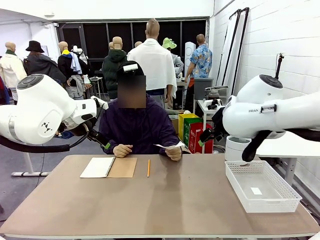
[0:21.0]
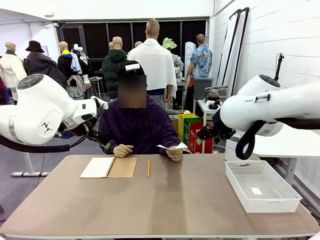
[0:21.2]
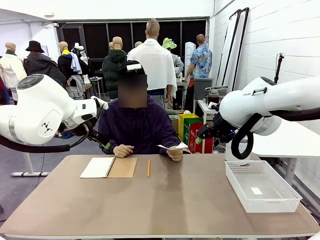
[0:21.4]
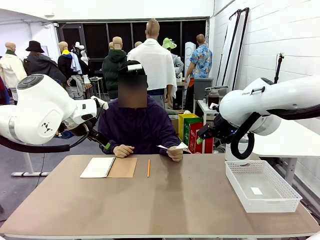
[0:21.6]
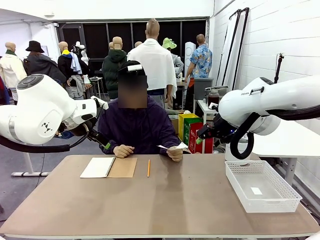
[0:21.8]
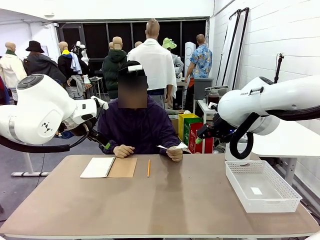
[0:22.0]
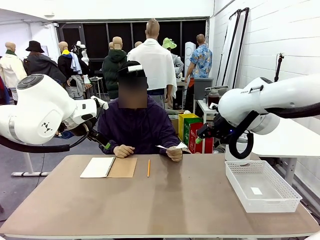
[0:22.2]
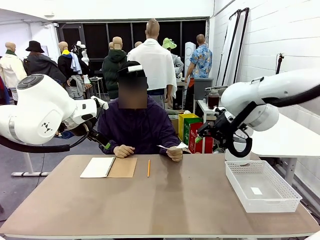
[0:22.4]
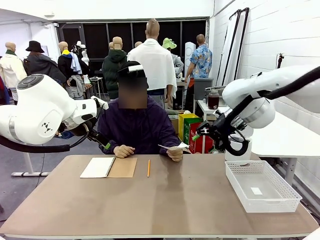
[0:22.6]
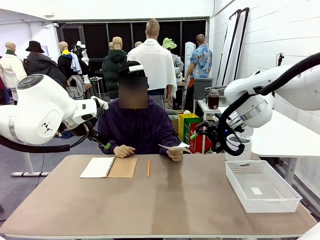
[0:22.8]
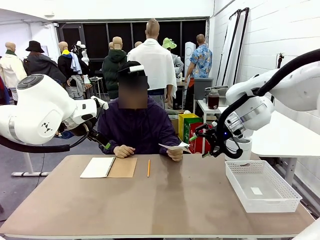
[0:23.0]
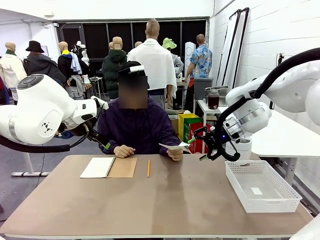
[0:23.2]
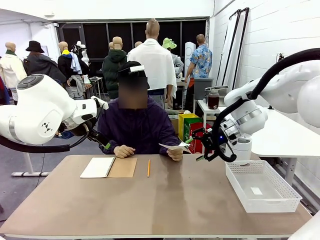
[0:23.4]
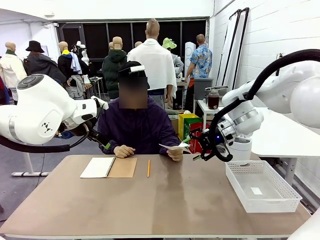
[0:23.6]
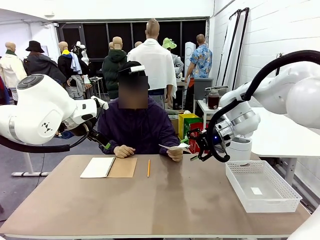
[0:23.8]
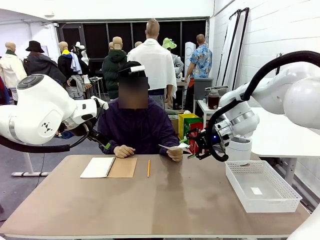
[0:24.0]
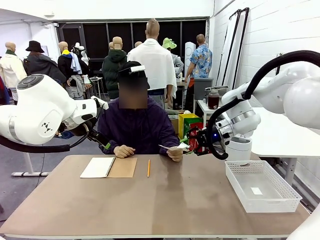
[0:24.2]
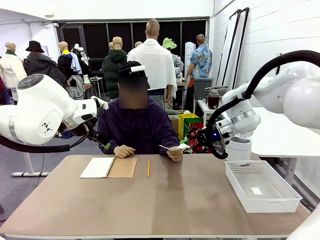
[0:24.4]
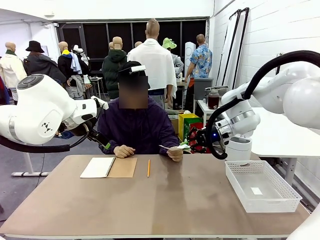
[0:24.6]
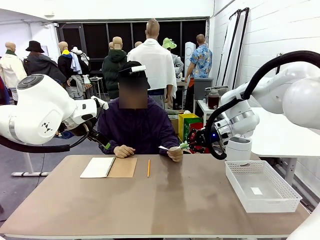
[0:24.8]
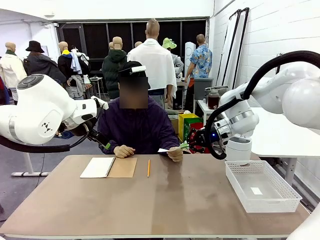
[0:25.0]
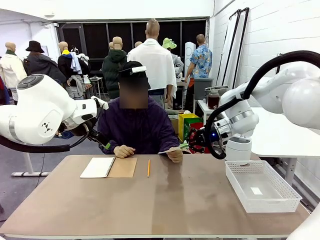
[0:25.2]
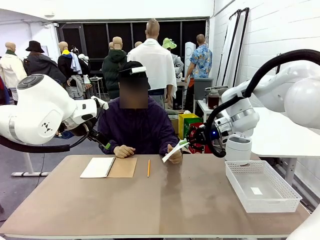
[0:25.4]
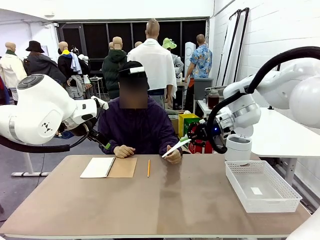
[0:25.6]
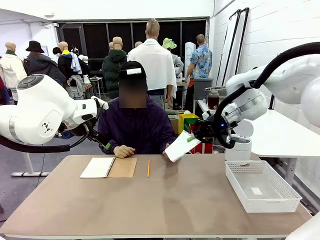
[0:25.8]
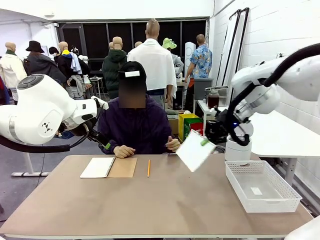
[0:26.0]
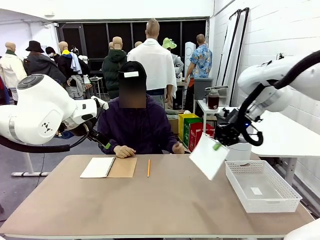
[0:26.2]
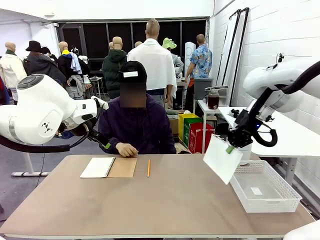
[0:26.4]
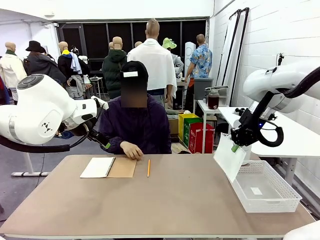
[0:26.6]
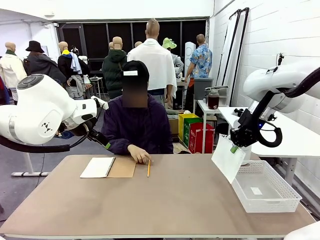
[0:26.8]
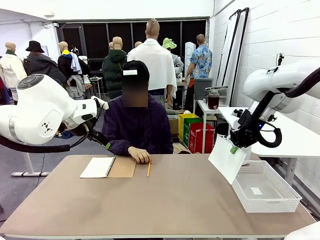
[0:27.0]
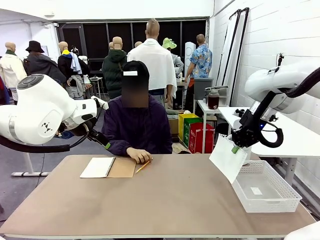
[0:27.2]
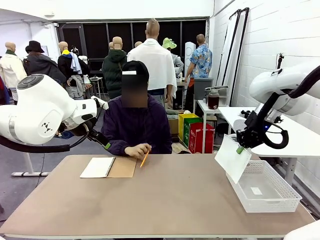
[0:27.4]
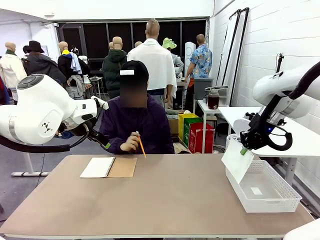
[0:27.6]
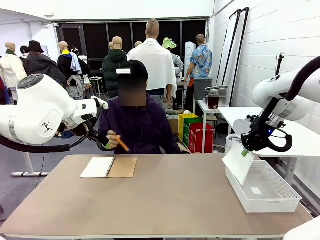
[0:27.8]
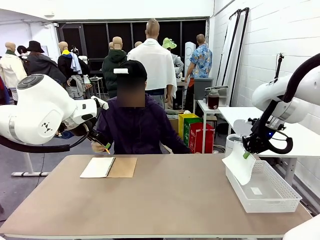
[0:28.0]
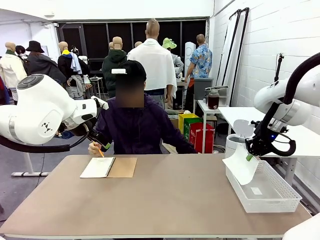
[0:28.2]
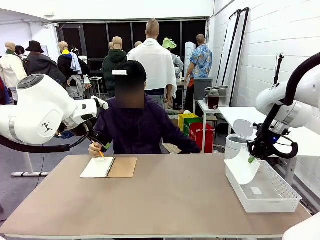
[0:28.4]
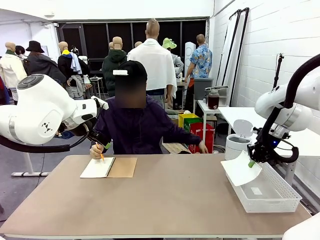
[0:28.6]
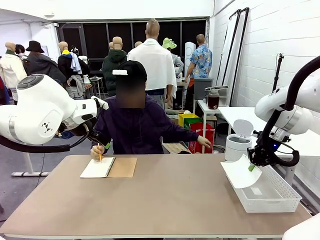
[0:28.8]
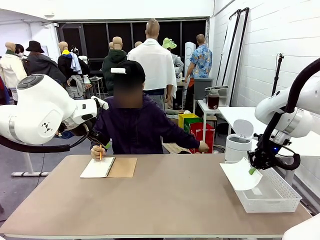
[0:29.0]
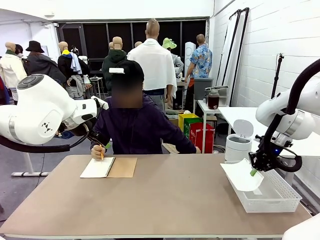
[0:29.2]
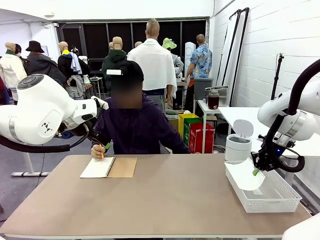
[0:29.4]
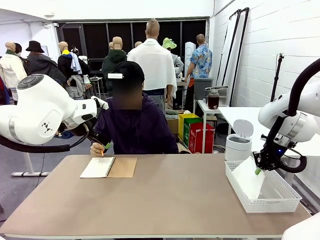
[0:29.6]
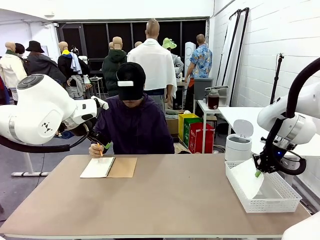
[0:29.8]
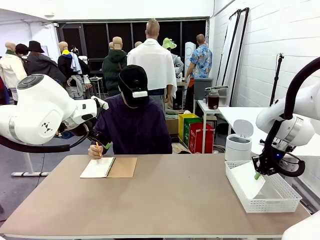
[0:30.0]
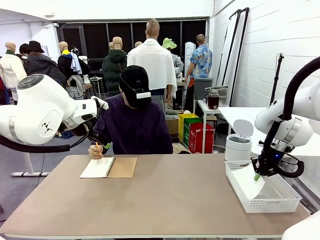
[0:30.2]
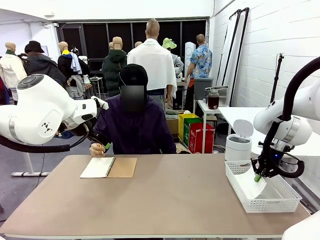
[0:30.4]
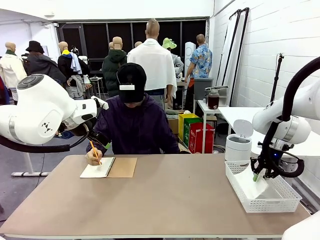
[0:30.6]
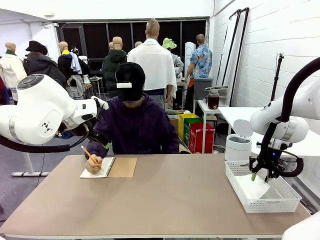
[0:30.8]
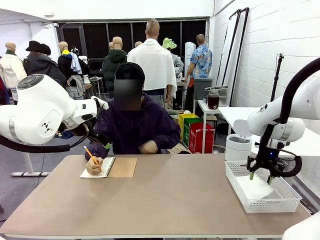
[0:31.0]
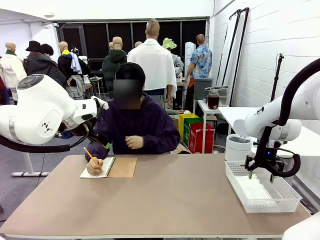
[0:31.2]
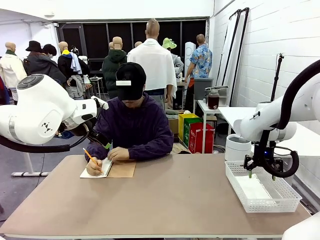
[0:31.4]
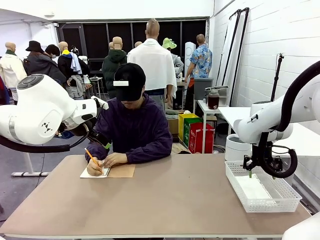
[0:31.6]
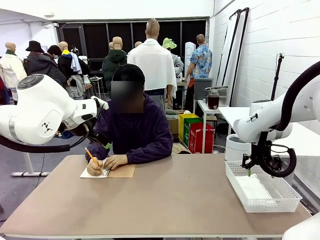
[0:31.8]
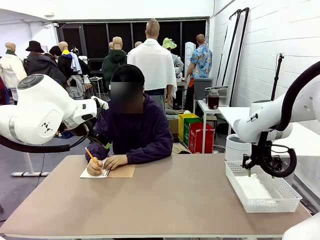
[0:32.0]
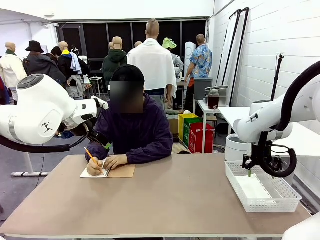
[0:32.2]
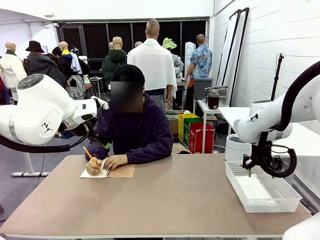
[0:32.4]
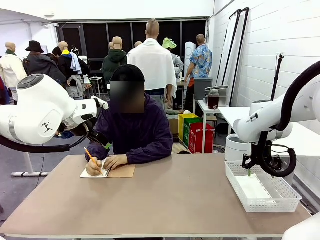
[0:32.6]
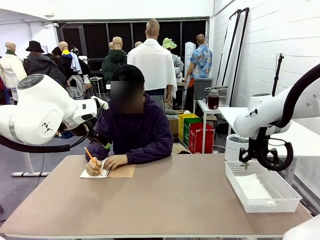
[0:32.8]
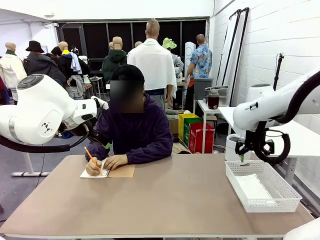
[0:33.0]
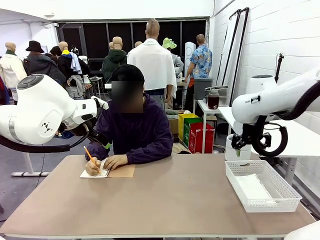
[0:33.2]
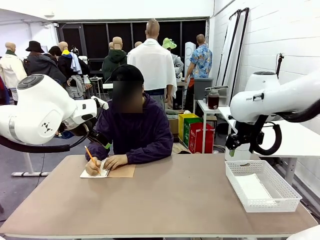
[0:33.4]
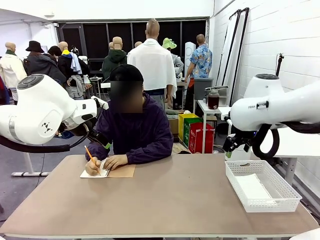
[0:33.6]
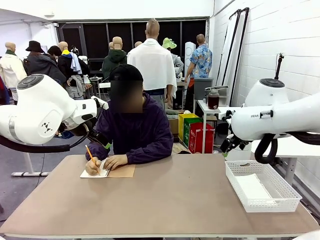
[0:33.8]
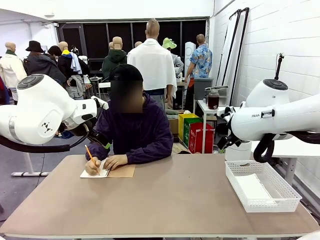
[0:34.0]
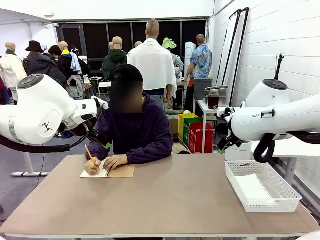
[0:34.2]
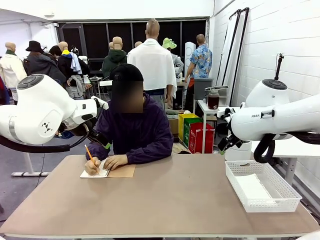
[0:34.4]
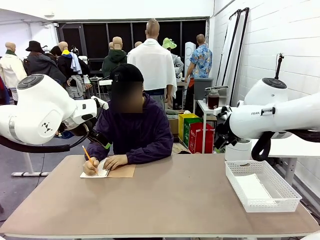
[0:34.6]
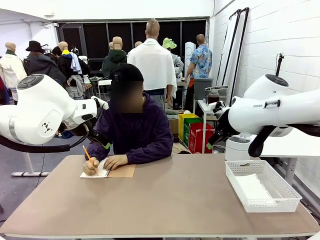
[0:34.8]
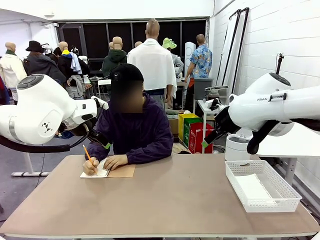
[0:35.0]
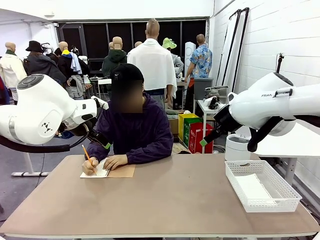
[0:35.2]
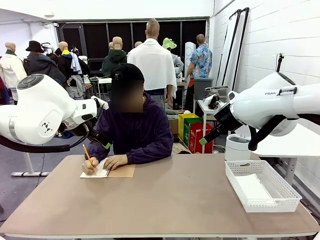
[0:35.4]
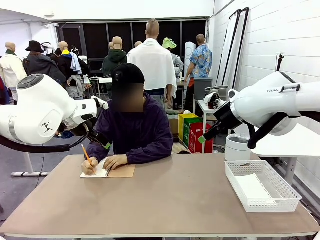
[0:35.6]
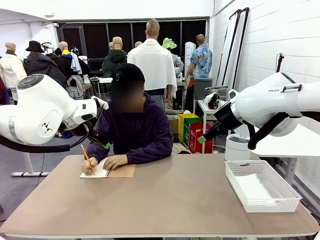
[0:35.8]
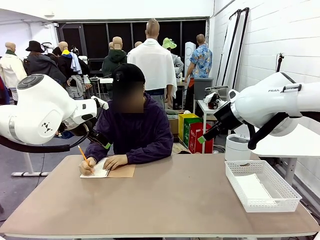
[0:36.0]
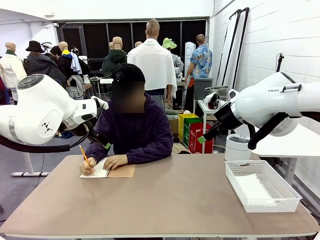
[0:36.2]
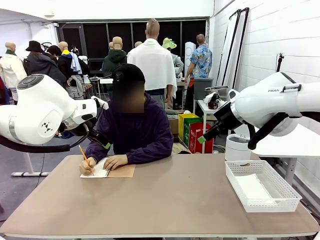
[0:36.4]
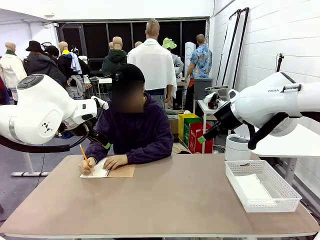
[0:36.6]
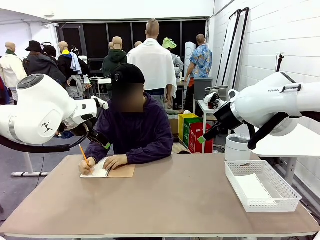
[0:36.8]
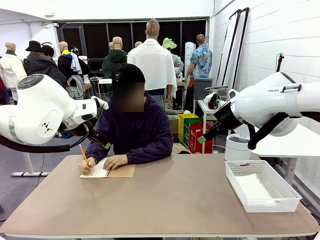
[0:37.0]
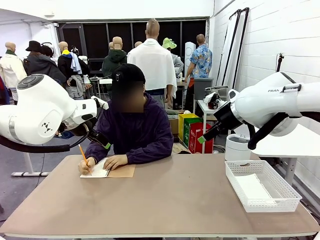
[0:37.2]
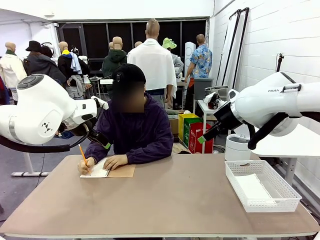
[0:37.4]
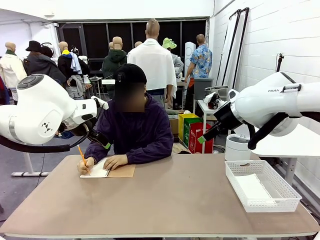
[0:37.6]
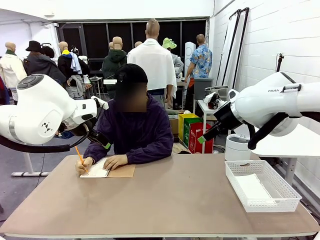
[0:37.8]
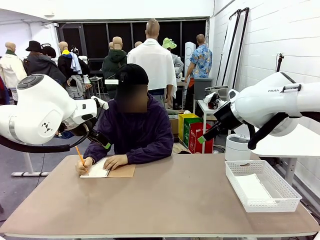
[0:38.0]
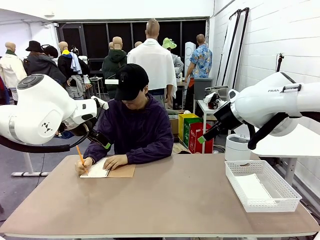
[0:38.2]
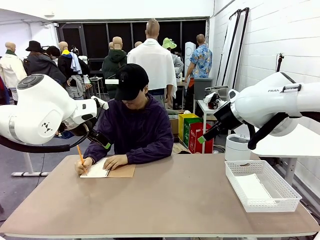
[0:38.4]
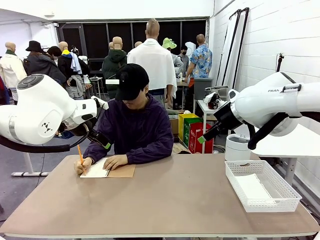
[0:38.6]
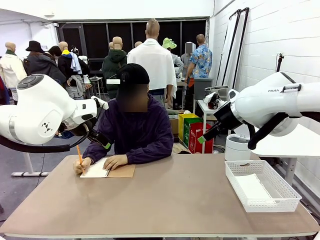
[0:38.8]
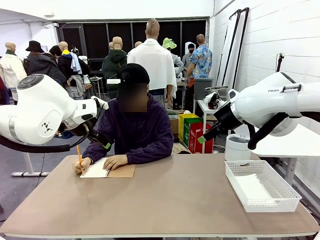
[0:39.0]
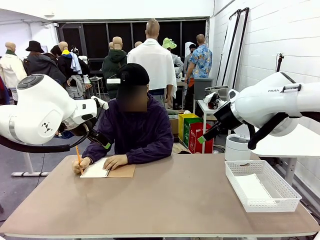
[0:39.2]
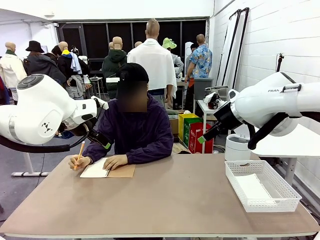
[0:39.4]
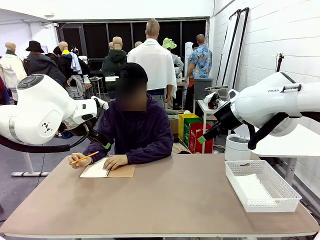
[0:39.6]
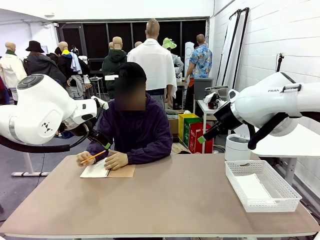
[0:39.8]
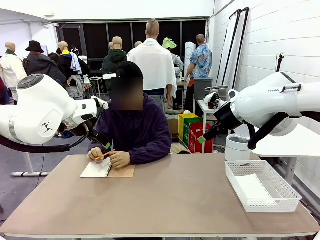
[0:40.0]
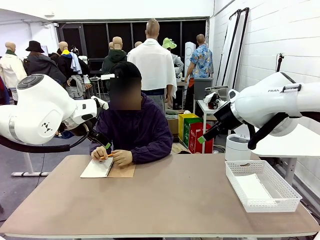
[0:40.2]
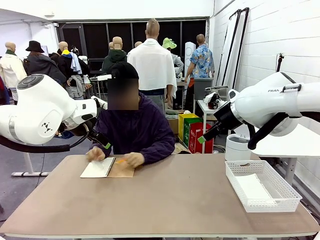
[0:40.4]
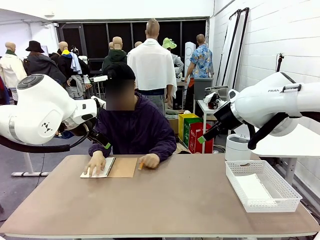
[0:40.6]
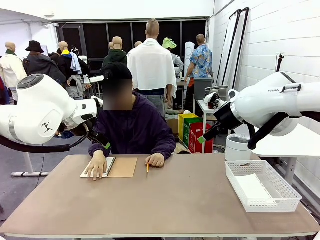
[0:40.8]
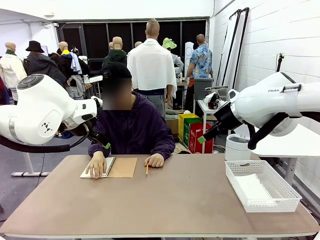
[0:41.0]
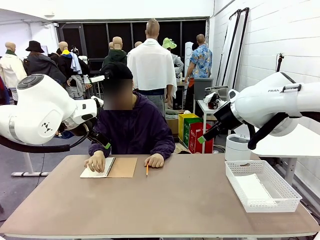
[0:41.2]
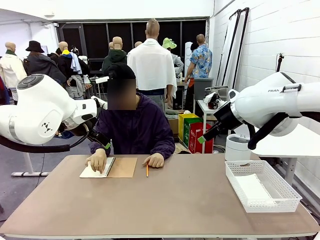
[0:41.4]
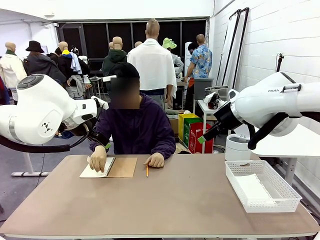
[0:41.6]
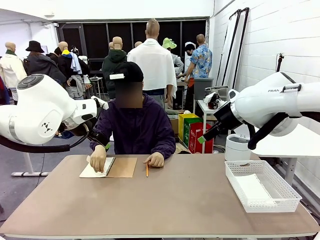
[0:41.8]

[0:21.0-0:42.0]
Task: Sort the paper based on its condition.
Robot: If a person hands you a paper, place it in the Organizing basket , and if it's crumpled, put it in the Trash can.
Person: Tear out a page from the spiral notebook.
